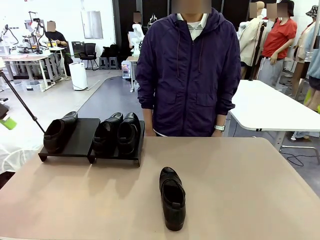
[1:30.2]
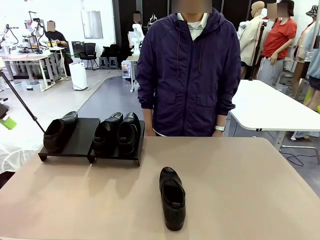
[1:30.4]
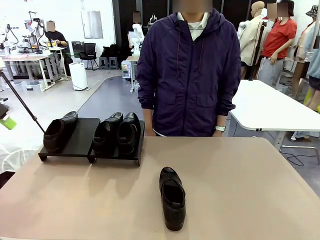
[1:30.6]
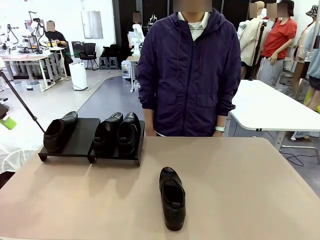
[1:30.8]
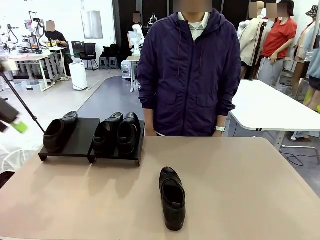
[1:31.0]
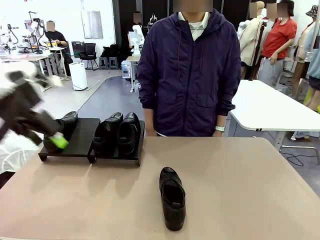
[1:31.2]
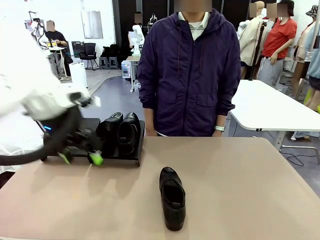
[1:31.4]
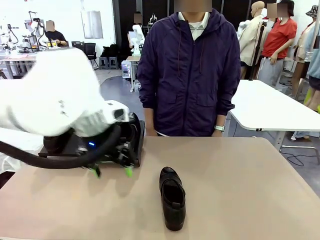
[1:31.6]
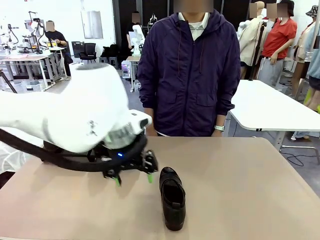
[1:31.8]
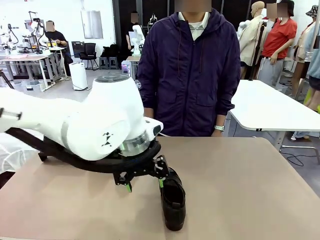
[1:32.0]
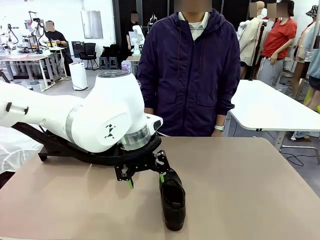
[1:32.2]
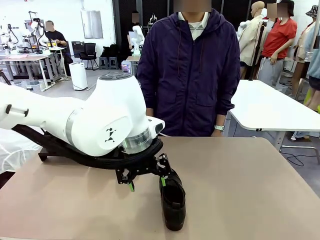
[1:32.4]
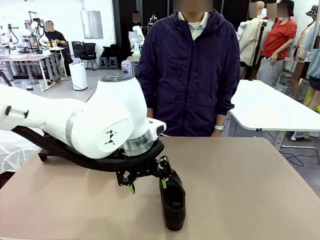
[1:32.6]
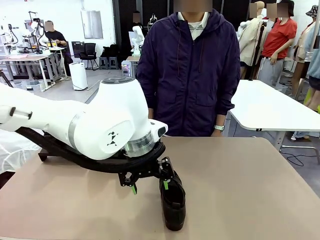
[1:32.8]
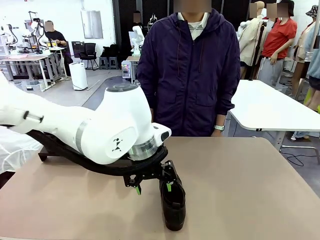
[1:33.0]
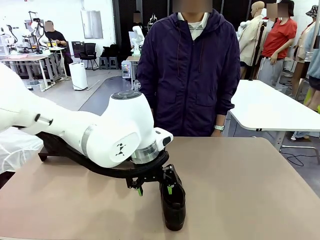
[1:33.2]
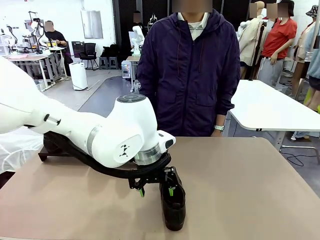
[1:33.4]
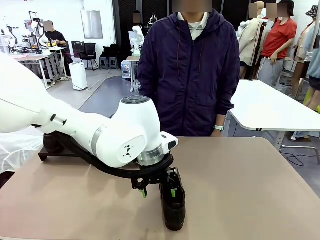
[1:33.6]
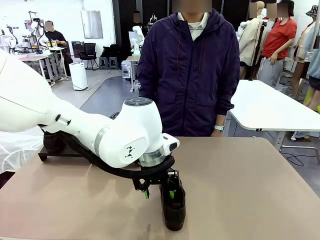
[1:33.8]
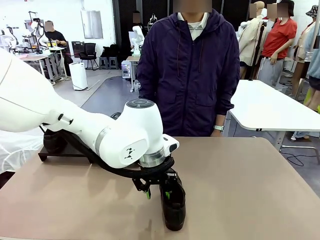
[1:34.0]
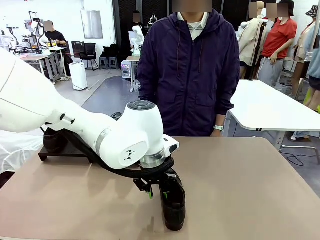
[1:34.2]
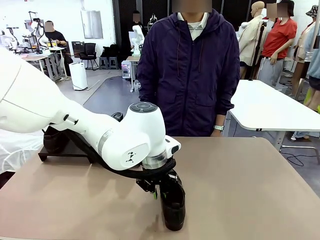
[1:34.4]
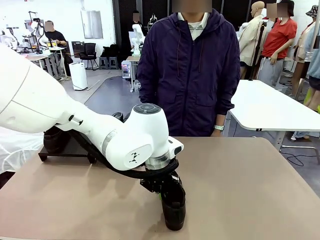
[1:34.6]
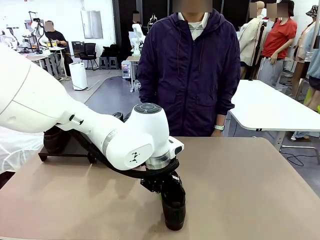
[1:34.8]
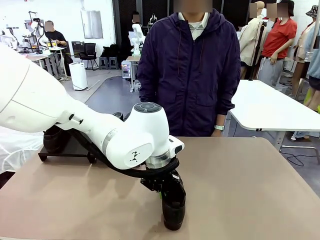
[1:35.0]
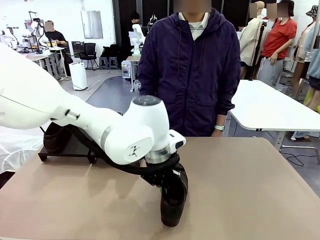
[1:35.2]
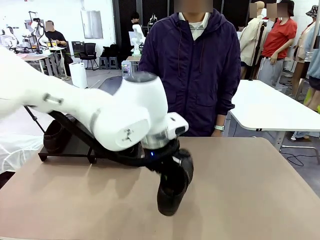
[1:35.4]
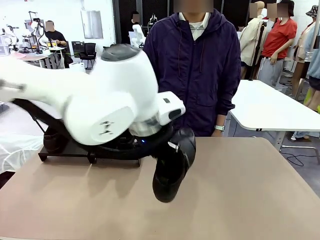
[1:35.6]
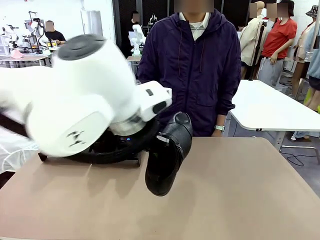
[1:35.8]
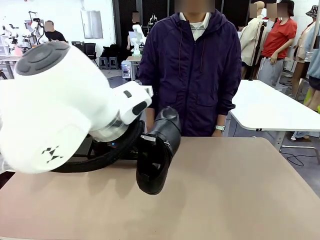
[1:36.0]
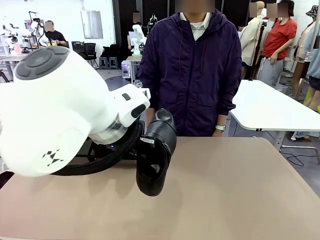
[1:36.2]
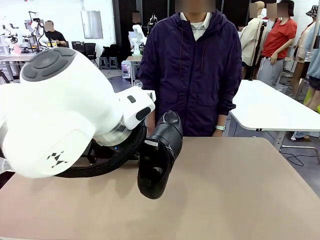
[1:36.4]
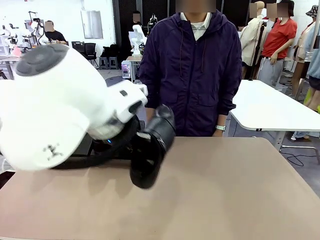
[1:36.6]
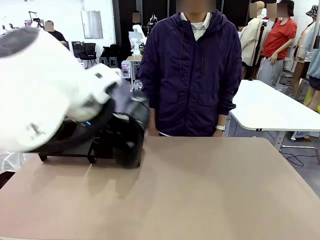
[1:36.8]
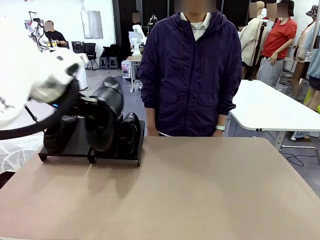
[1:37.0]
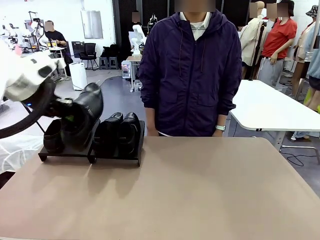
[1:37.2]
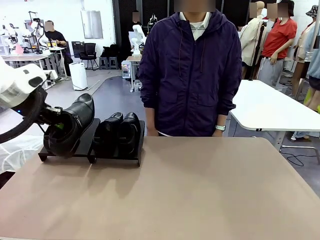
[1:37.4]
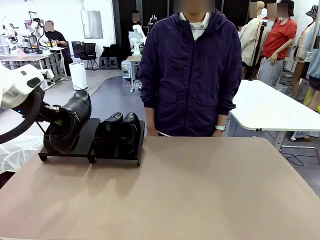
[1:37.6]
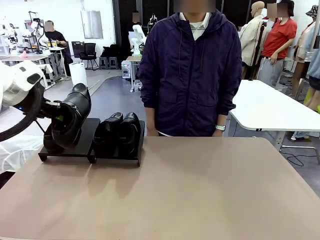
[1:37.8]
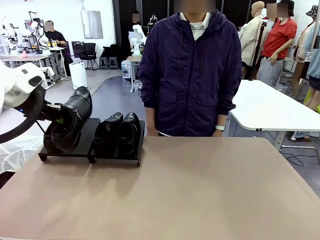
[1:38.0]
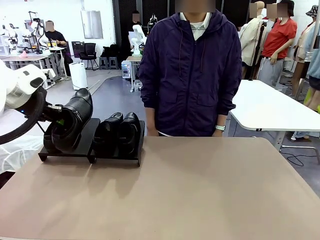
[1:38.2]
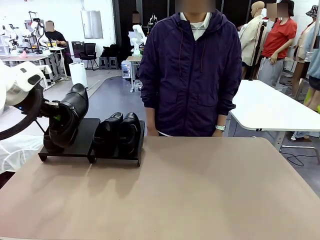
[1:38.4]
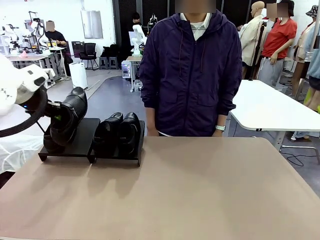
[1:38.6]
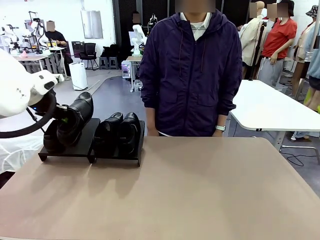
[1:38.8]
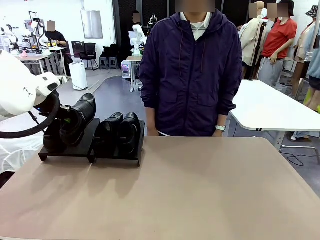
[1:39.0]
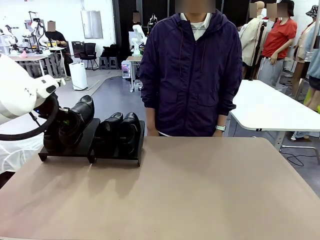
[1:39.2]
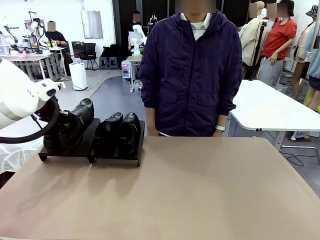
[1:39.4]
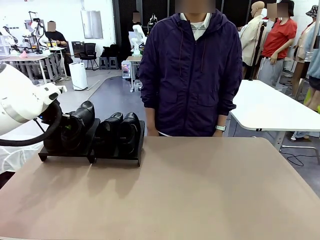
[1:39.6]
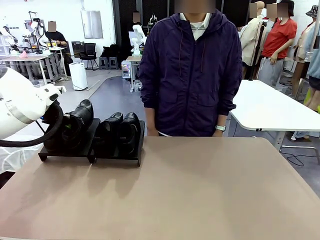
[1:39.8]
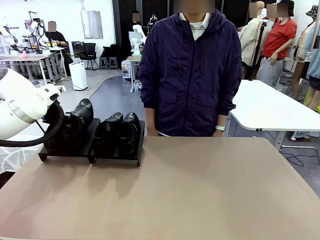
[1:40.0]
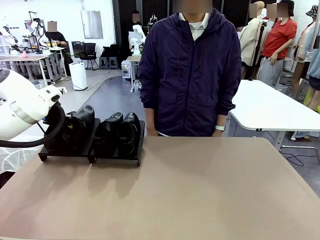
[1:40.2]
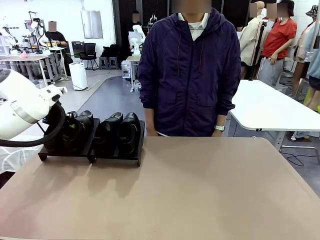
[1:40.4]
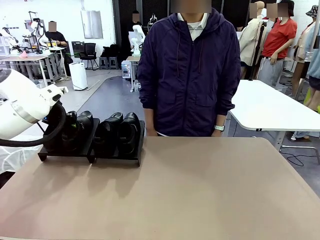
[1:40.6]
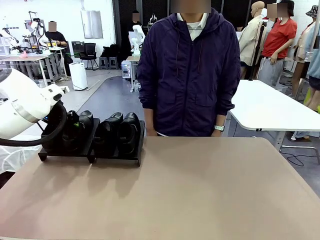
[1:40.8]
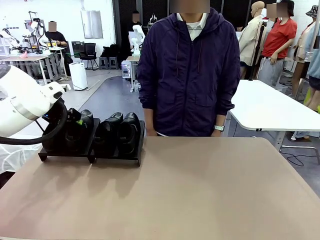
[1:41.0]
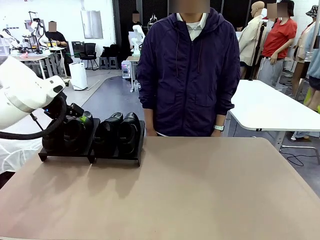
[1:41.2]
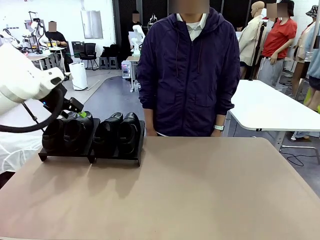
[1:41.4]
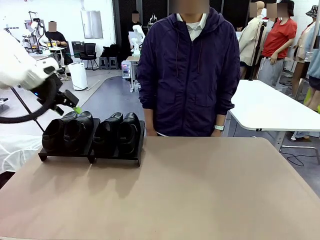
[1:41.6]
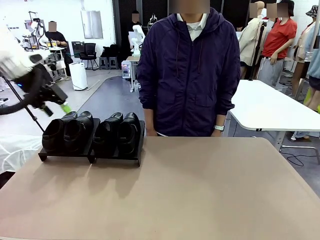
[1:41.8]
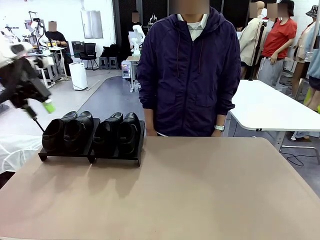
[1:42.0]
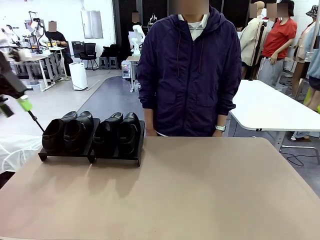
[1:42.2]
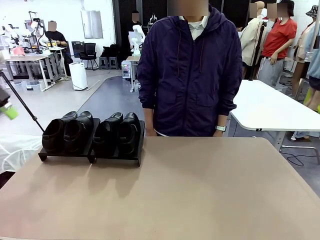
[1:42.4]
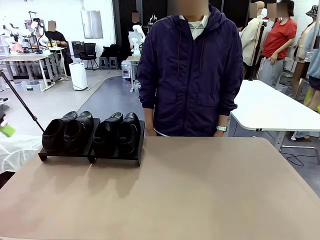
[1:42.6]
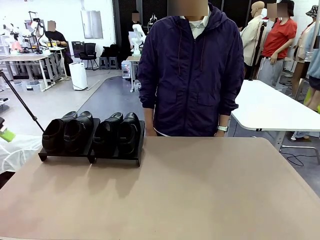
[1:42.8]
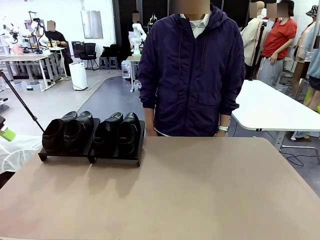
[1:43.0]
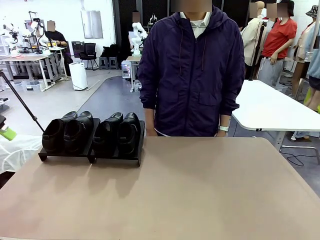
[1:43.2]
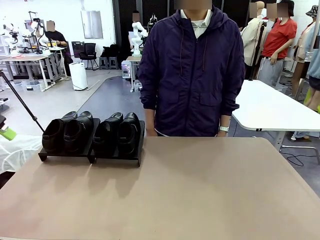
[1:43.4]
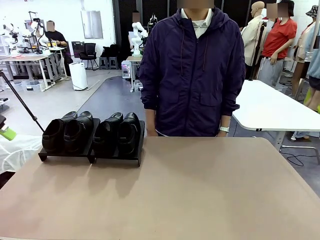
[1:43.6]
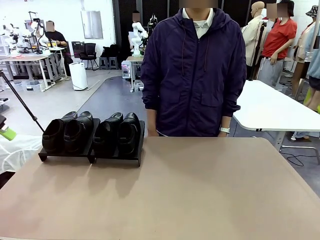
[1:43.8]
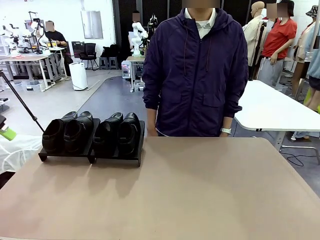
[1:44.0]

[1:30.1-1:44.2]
Task: Organize the shoes by placing them on the stand.
Robot: Place the Shoe from the middle of the table onto the Shoes Stand.
